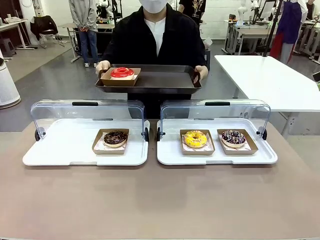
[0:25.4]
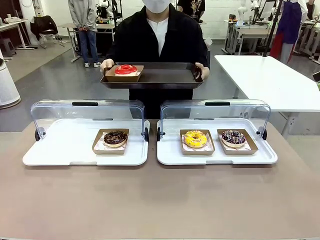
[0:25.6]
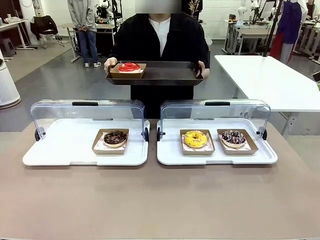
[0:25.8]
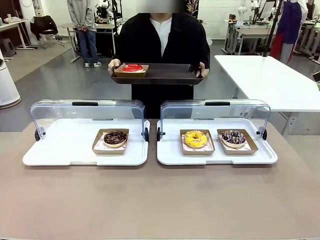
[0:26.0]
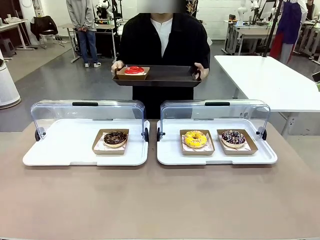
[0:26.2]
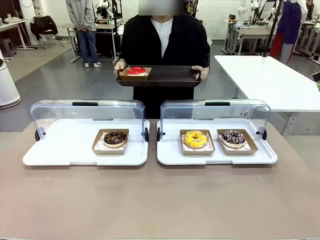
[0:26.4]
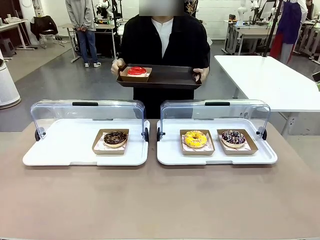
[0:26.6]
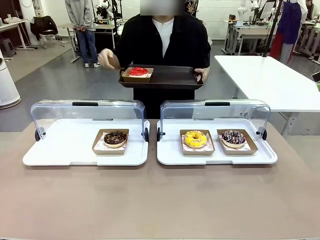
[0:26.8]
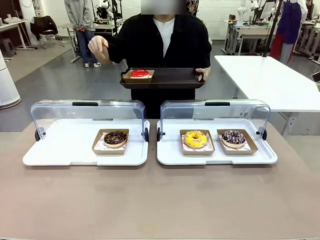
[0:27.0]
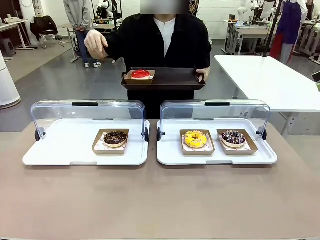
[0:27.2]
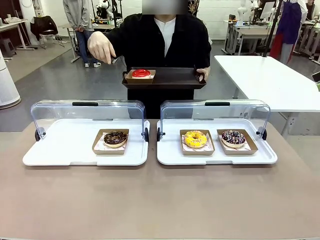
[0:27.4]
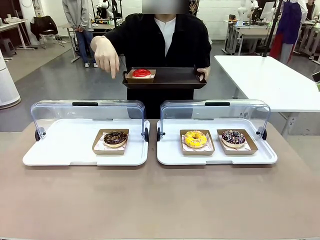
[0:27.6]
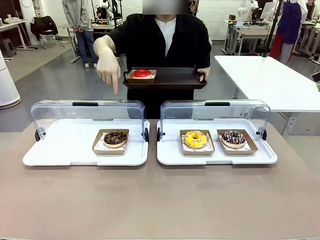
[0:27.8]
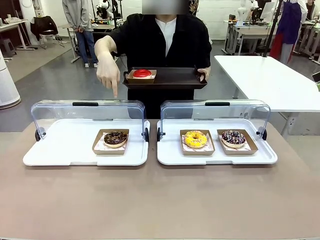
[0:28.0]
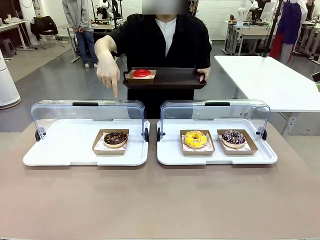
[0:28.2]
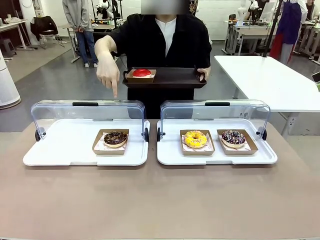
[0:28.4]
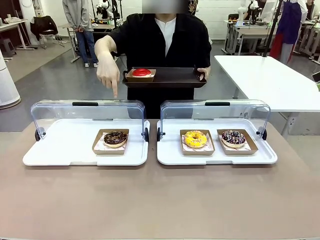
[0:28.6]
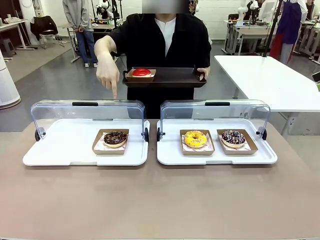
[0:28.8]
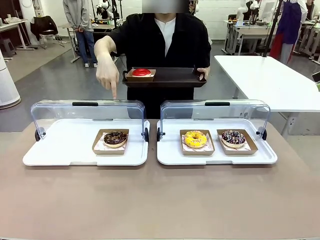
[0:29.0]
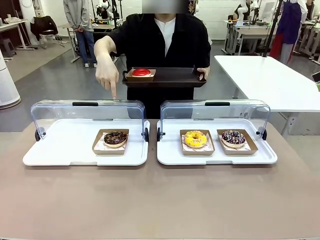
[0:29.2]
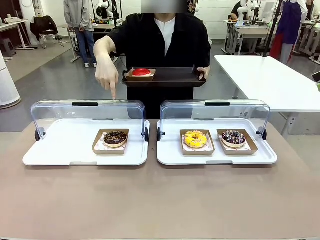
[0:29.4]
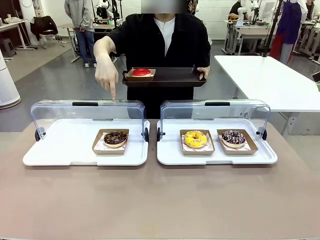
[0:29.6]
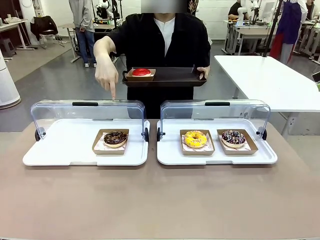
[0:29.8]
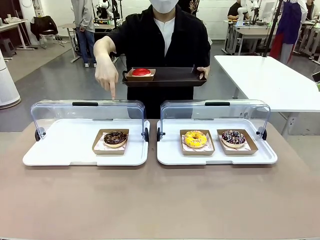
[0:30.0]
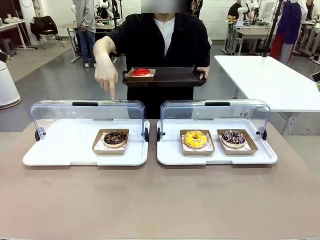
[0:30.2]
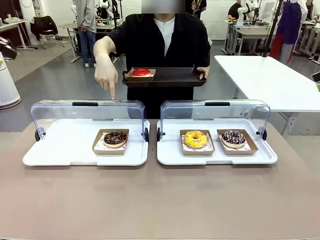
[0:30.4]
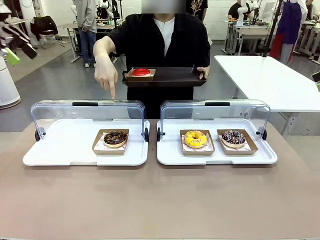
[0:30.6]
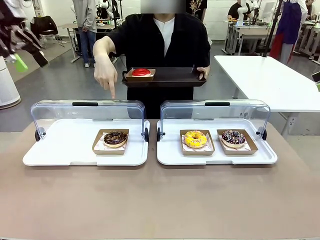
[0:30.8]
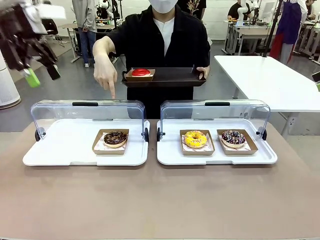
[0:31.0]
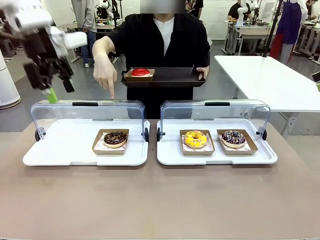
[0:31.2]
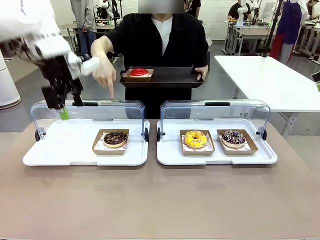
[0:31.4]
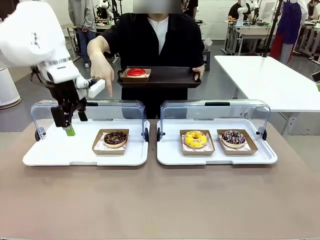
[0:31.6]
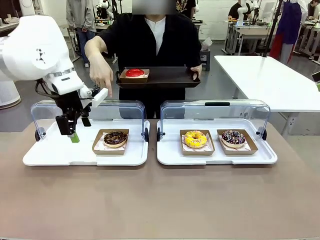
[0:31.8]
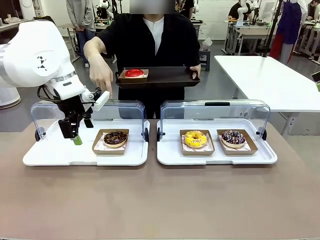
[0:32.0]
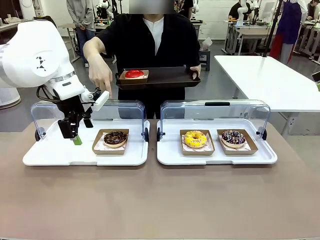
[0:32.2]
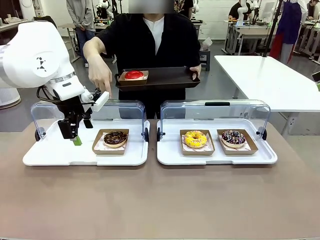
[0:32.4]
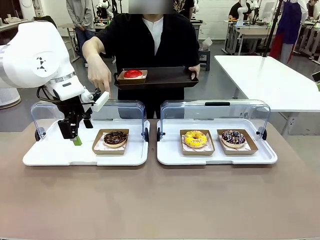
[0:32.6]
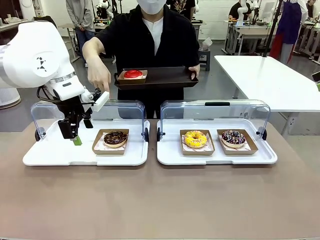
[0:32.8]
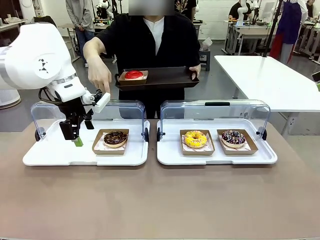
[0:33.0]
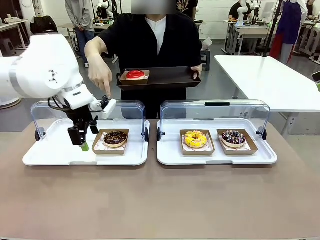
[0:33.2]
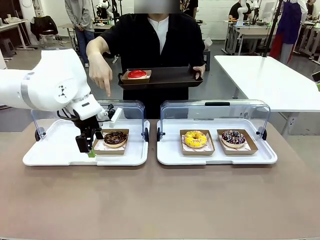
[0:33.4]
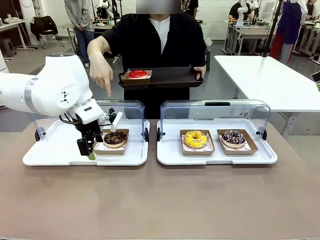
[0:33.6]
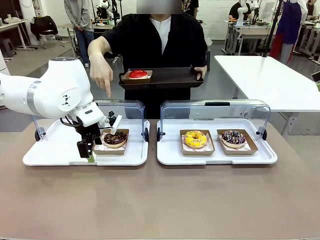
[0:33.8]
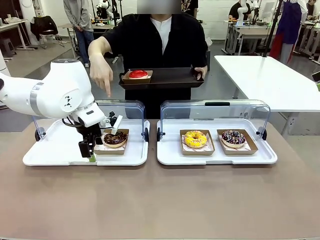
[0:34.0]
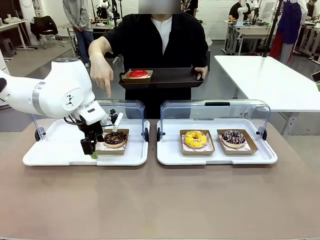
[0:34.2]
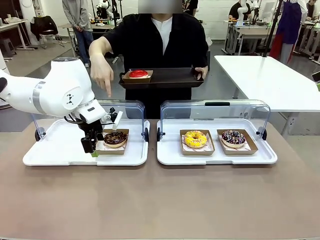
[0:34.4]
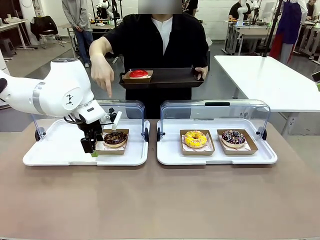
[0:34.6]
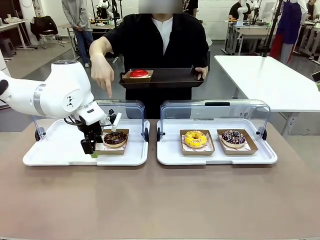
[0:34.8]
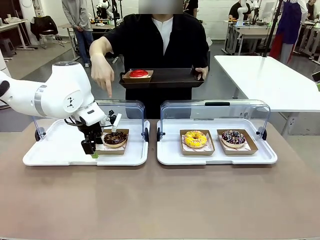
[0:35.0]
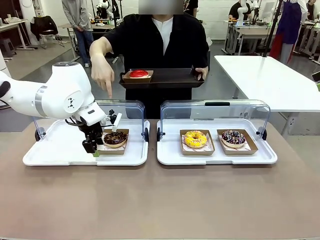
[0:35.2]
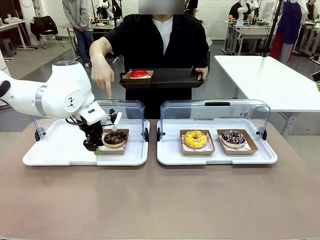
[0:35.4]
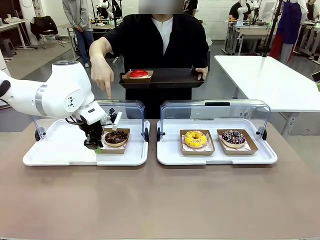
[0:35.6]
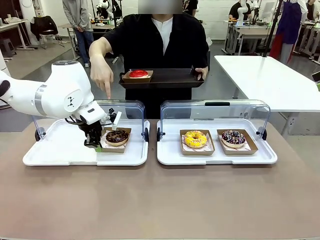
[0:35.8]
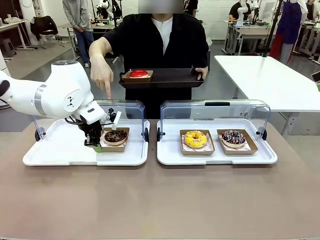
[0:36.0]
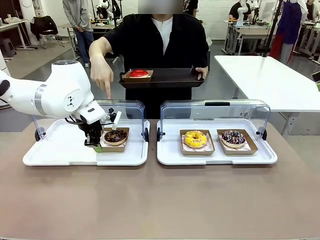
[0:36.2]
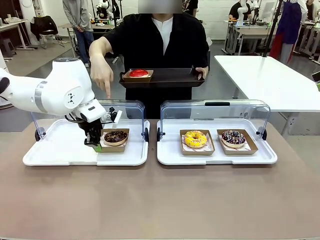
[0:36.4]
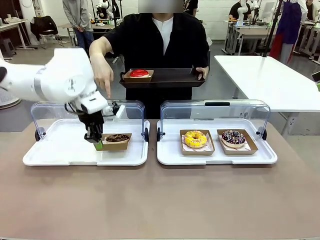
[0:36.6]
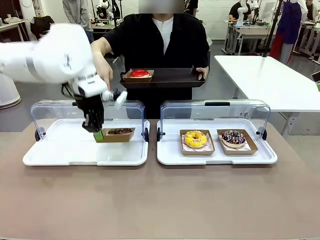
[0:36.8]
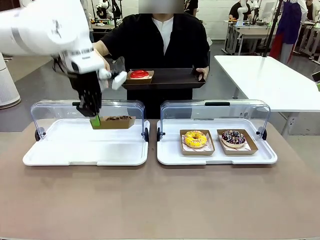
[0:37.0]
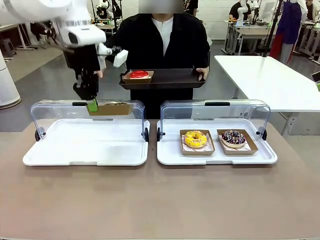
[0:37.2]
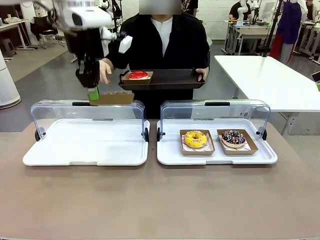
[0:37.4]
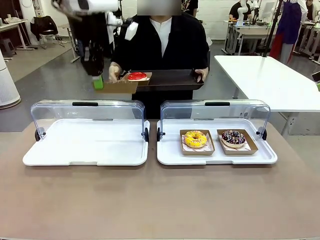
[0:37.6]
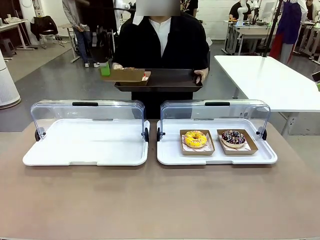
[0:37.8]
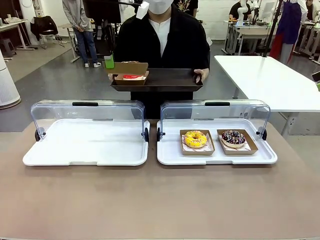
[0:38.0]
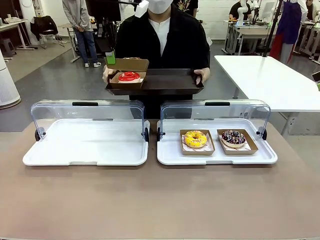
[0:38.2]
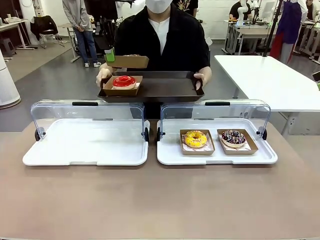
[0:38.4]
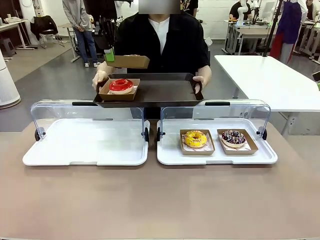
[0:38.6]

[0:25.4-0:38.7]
Task: Provide the desired donut to the person.
Robot: Pick up and lift the Paper togo box containing the Donut pointed at by the person.
Person: Point to one donut. Lift the tray onto the Roll-Top Bakery Case.

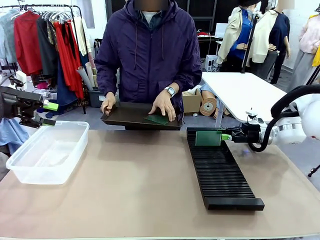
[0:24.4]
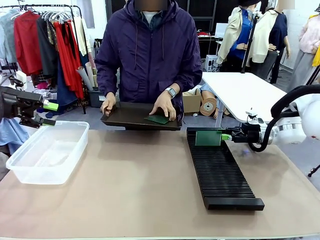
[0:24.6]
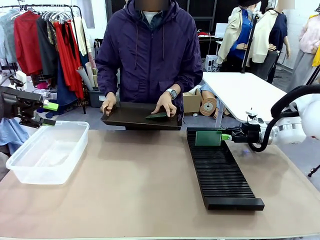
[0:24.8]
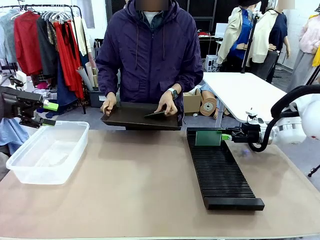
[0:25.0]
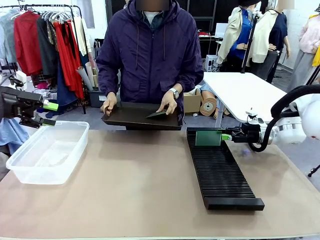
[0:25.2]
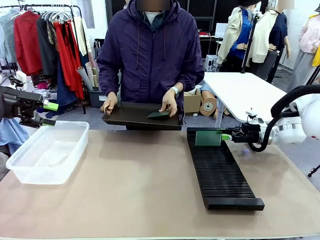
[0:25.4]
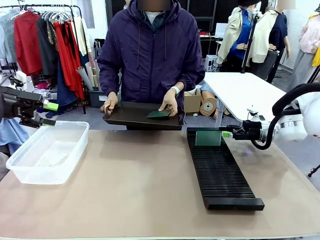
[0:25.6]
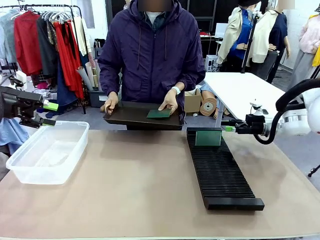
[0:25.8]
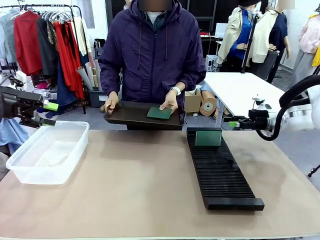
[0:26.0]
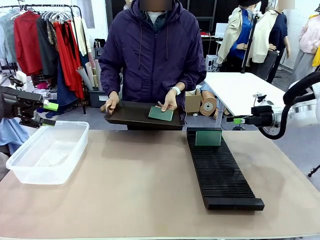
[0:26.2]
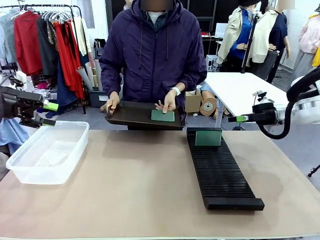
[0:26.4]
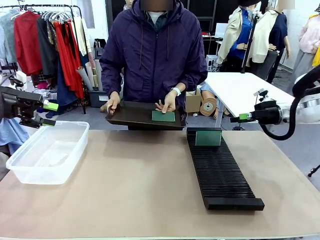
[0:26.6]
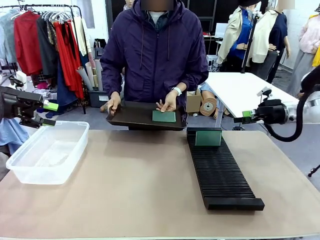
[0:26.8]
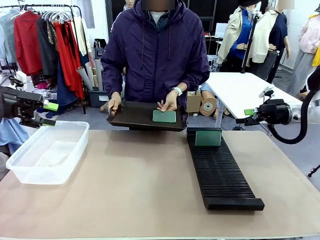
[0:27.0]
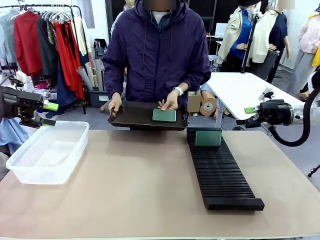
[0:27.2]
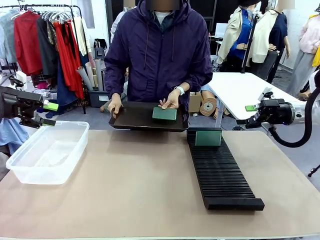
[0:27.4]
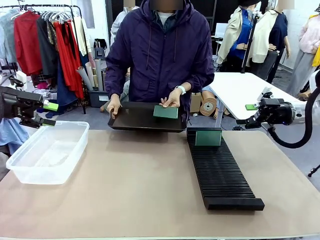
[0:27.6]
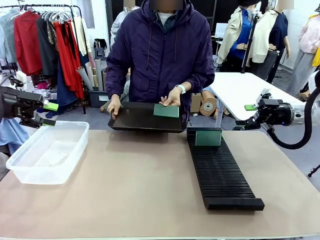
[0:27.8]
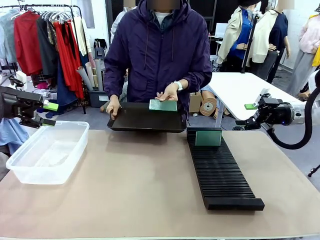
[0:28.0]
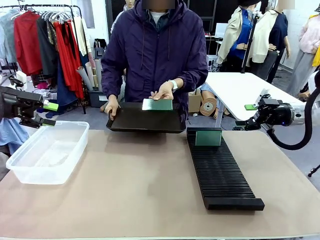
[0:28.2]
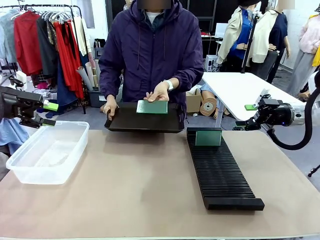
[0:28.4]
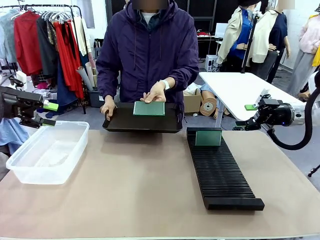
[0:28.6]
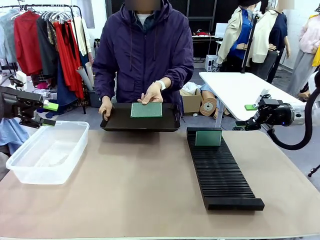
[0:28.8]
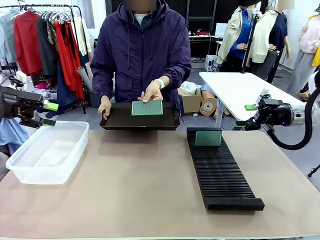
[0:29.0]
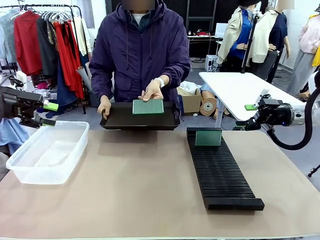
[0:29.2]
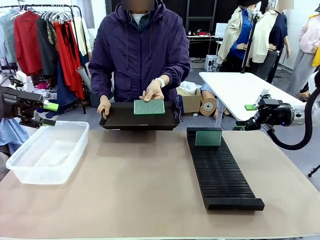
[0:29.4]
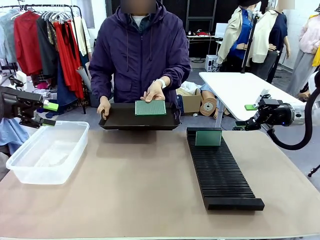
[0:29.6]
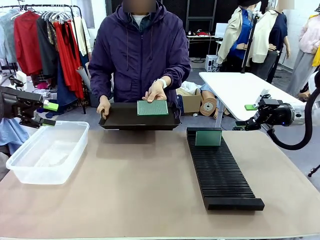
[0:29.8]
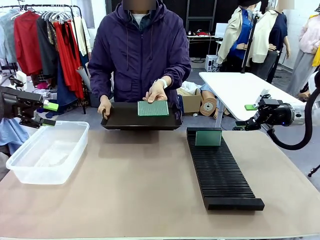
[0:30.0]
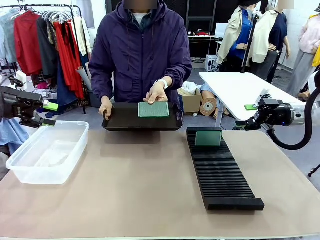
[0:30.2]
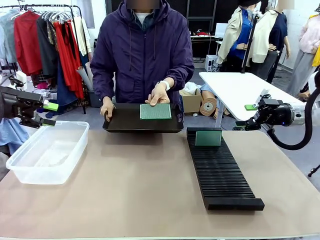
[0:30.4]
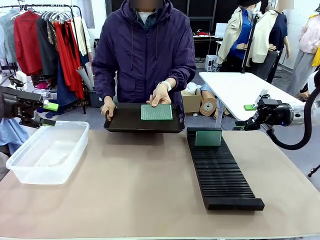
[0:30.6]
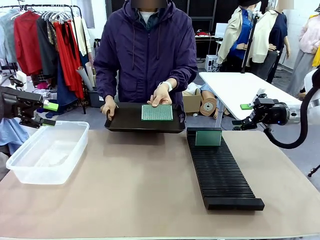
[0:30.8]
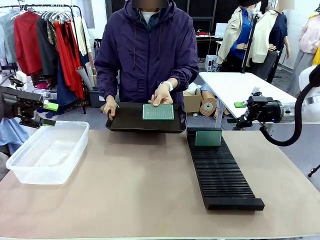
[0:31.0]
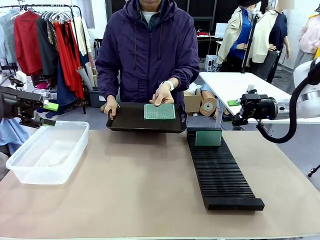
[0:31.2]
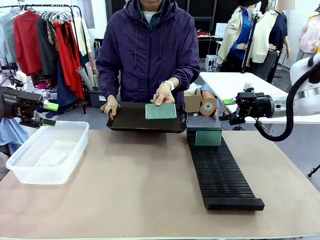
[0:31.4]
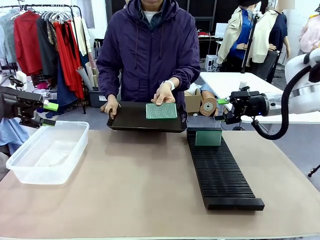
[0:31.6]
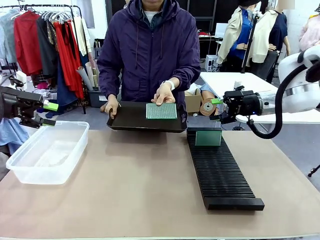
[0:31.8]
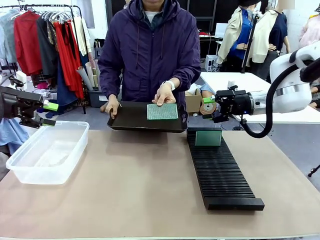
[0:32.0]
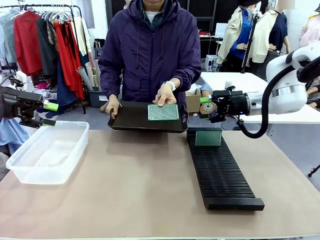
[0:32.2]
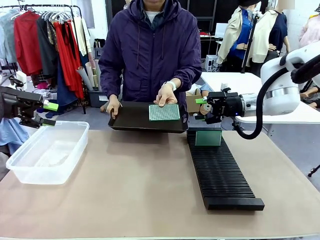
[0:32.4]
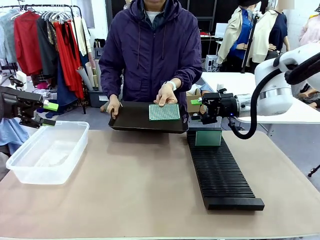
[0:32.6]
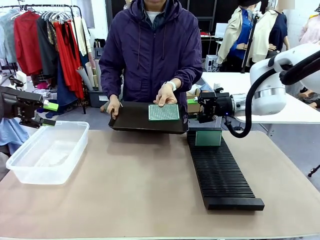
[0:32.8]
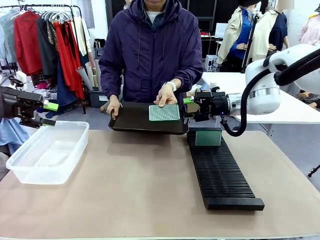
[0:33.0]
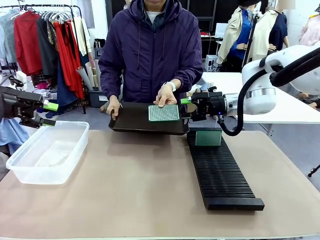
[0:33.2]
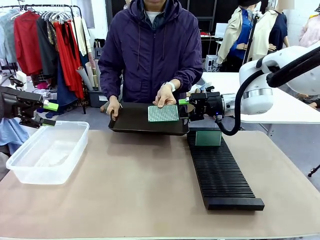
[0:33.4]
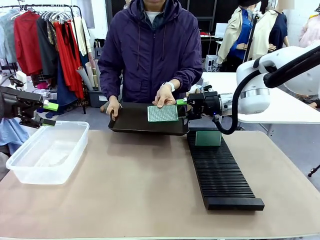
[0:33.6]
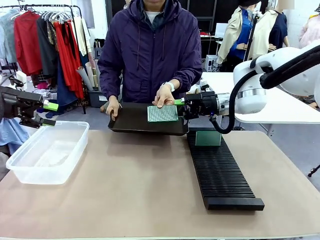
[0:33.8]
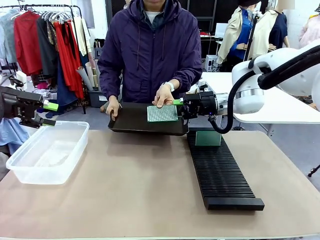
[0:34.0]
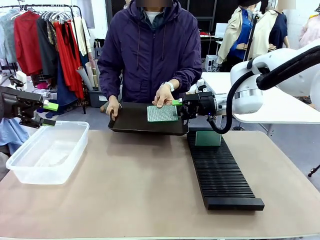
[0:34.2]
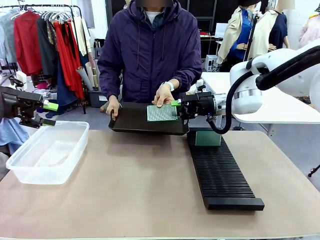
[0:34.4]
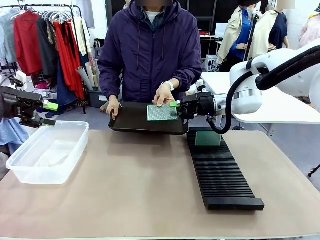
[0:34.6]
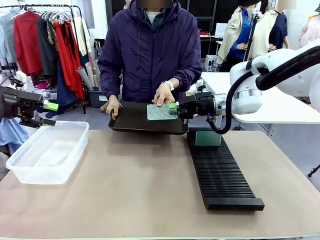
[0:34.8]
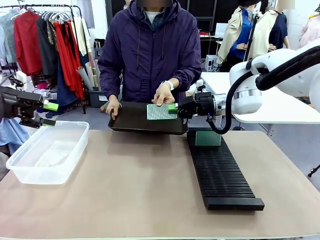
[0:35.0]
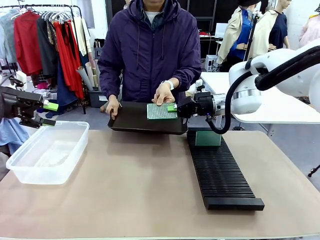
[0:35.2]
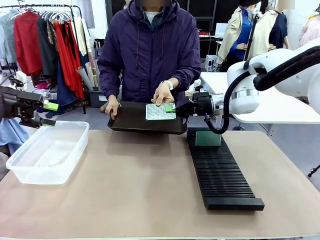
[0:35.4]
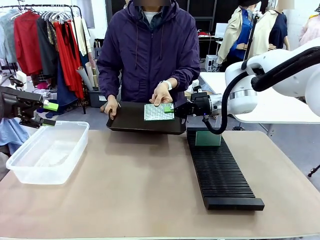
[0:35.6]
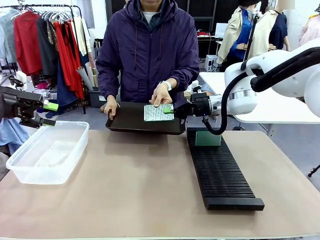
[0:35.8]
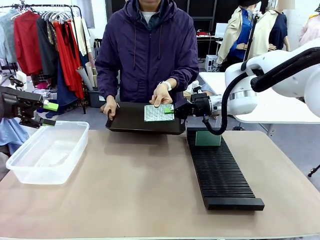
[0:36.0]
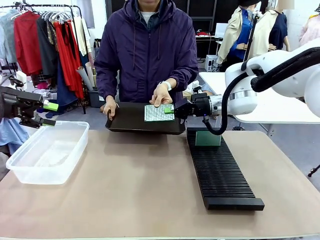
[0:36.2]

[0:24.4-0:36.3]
Task: Sort PCBs into racks and boxes based on the side picked up.
Robot: Pick up the Blank PCB handed by the Human.
